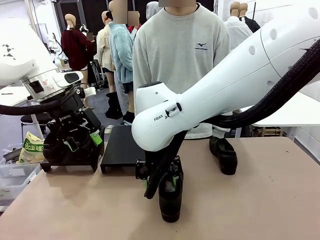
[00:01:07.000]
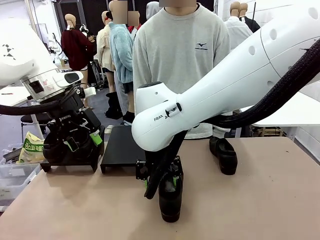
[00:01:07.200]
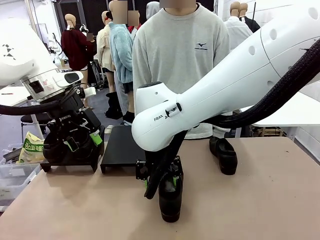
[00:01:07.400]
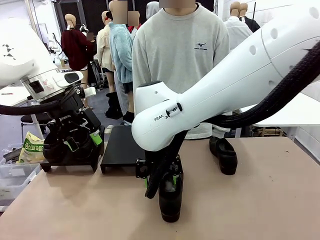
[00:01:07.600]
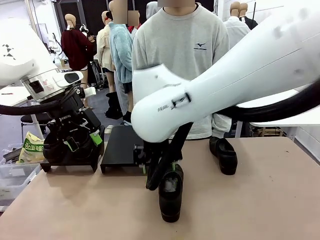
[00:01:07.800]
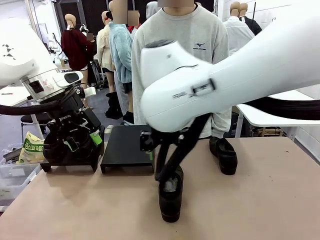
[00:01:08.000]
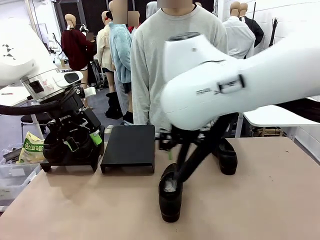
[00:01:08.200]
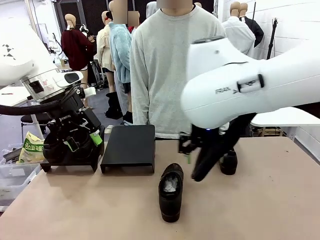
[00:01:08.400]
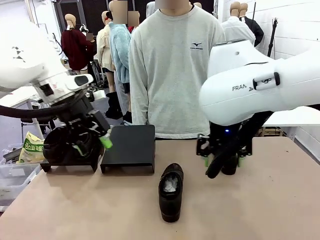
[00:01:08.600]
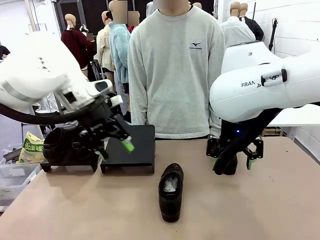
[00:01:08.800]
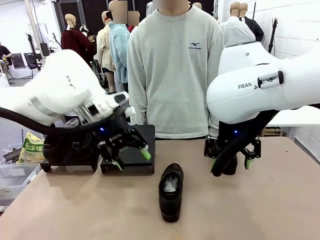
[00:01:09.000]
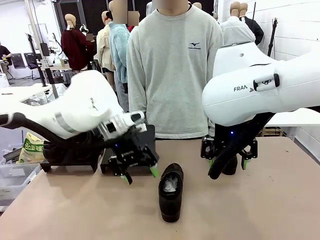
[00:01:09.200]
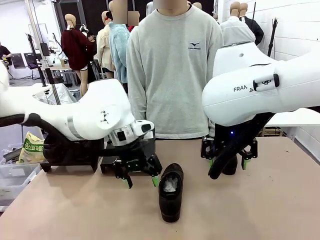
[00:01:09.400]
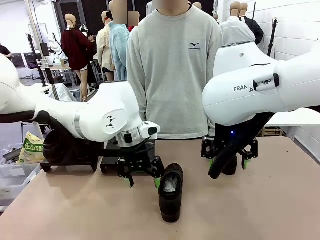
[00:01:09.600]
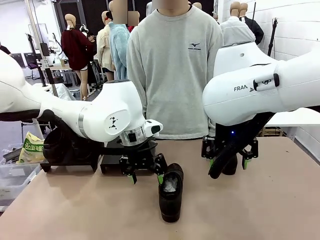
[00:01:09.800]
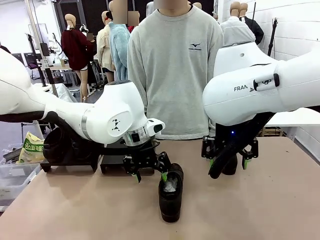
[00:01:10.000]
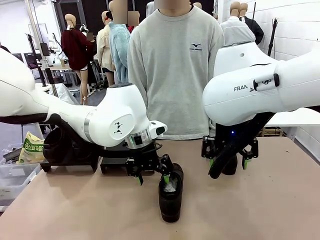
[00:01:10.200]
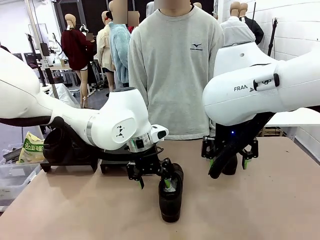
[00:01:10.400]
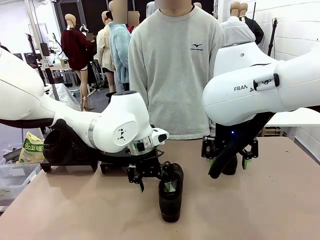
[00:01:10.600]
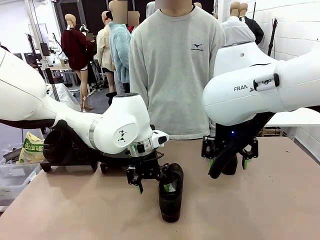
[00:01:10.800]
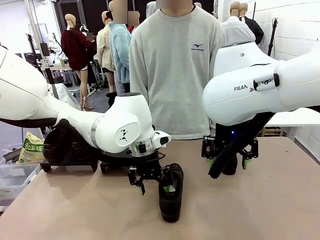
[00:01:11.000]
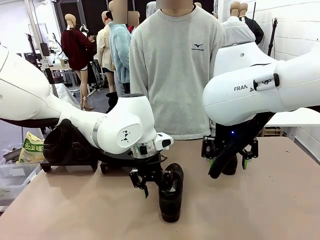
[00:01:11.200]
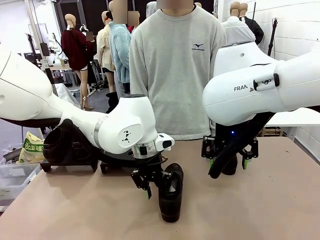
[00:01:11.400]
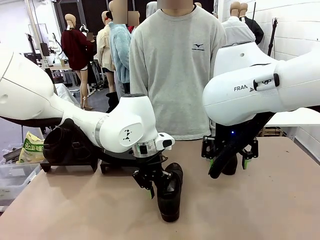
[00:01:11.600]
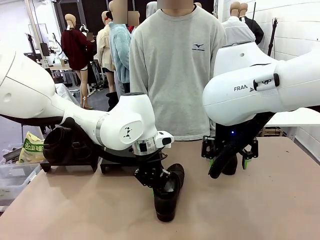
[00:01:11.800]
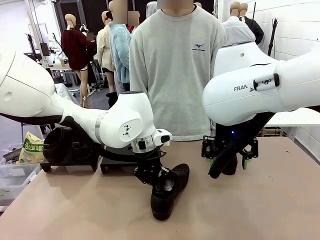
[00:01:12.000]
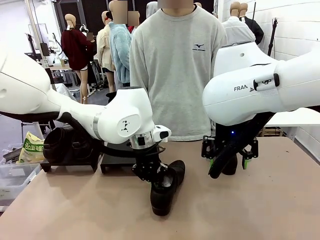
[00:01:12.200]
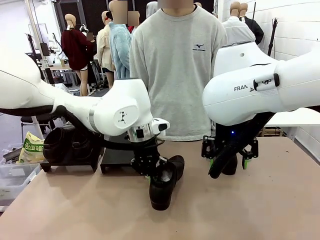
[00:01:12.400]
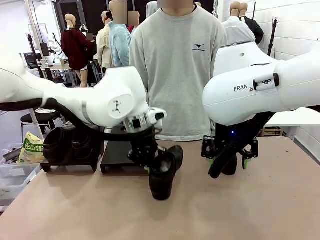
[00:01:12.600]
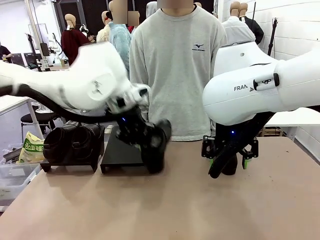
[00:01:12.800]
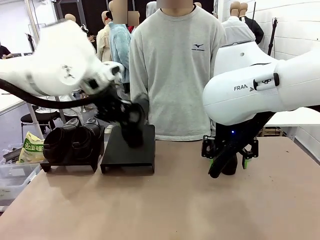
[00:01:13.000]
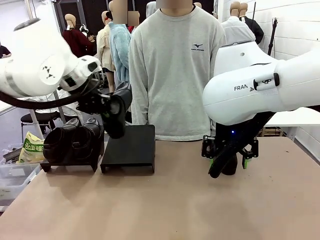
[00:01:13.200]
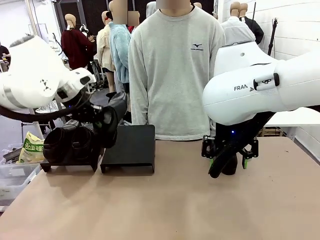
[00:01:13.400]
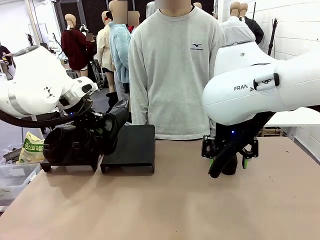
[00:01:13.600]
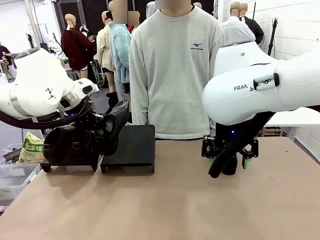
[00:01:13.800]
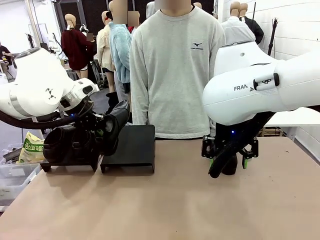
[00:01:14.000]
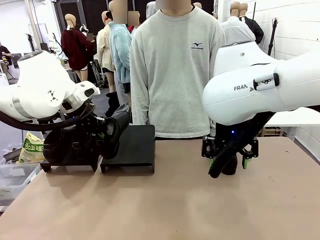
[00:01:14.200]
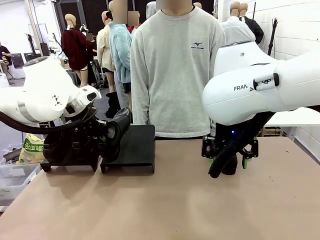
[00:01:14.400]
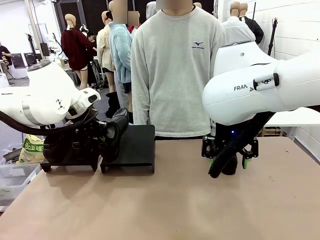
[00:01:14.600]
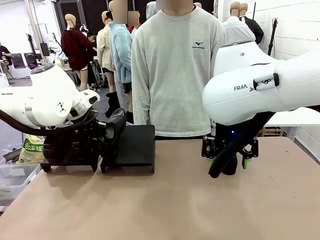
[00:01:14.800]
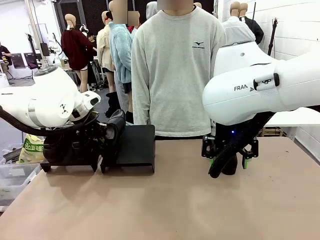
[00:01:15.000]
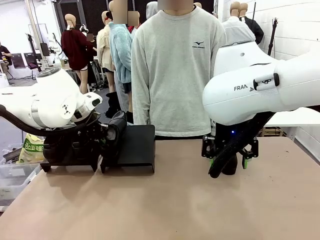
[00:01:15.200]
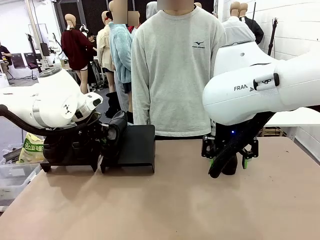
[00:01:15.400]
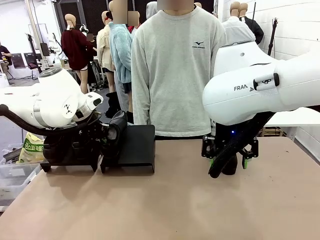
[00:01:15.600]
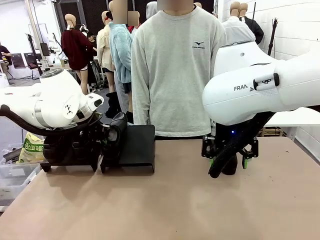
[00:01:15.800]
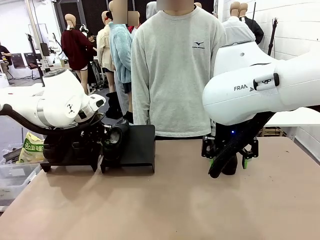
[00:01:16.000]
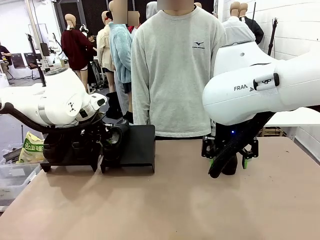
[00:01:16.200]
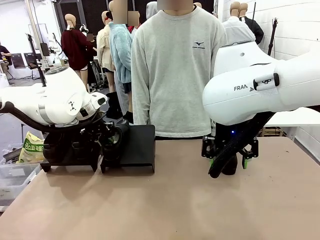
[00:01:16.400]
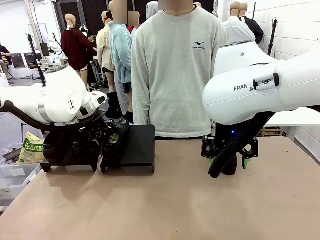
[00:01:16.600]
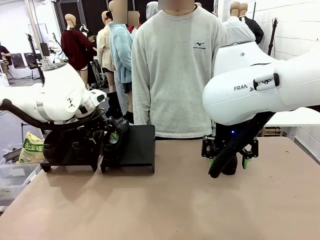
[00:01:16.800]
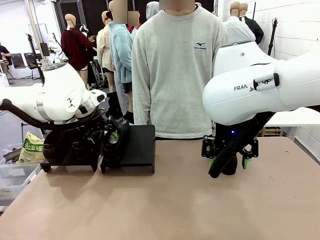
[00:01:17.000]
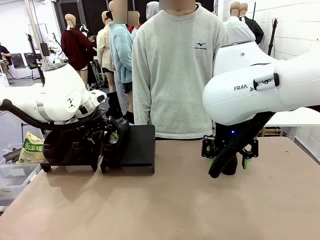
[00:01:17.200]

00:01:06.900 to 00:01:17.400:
Task: Organize the shoes by placing them on the stand.
Robot: Place the Shoe from the middle of the table onto the Shoes Stand.

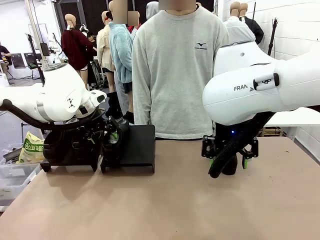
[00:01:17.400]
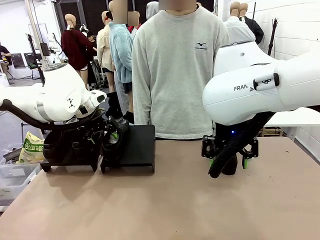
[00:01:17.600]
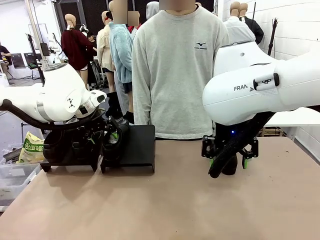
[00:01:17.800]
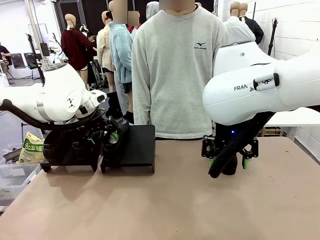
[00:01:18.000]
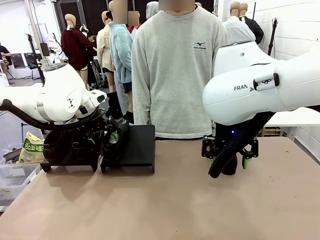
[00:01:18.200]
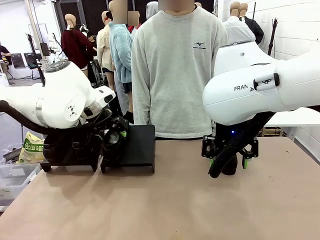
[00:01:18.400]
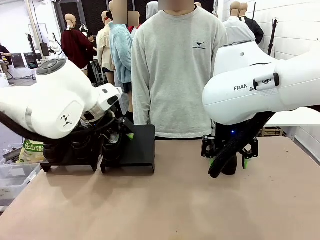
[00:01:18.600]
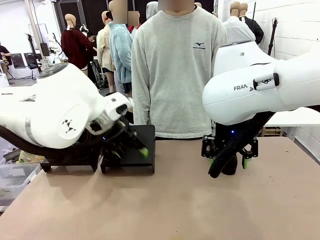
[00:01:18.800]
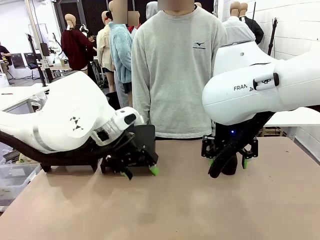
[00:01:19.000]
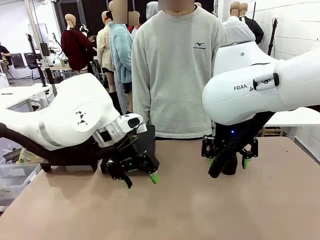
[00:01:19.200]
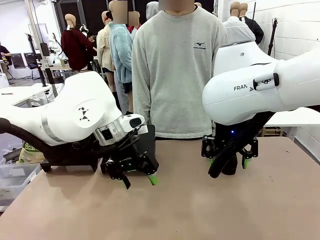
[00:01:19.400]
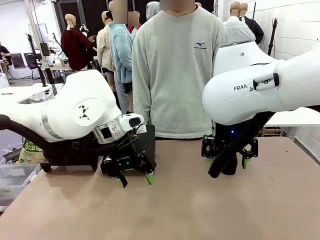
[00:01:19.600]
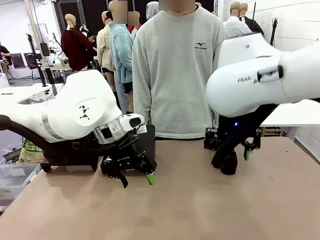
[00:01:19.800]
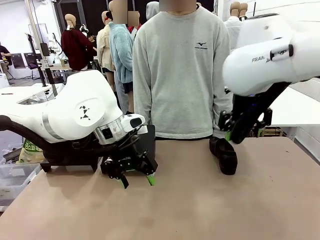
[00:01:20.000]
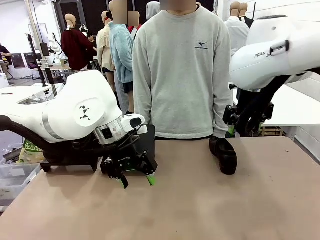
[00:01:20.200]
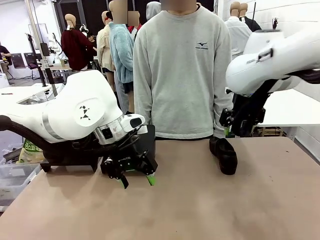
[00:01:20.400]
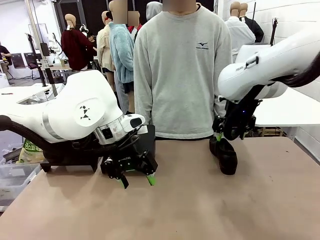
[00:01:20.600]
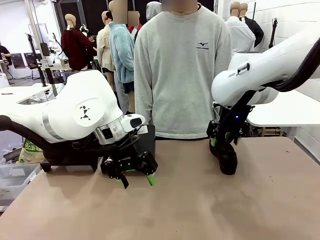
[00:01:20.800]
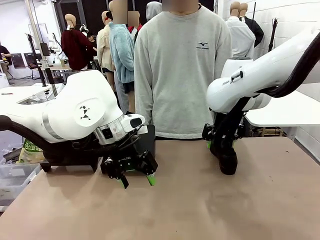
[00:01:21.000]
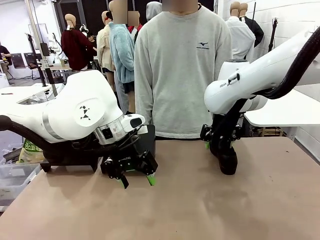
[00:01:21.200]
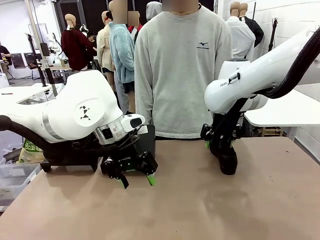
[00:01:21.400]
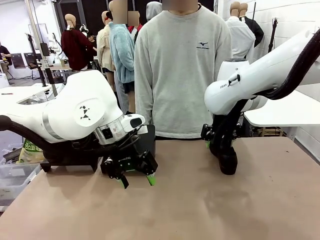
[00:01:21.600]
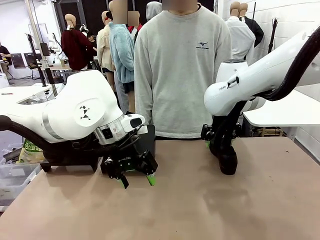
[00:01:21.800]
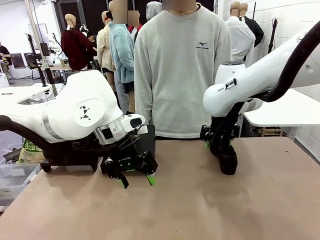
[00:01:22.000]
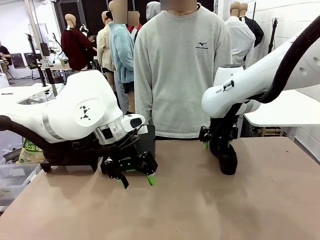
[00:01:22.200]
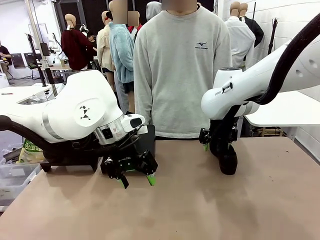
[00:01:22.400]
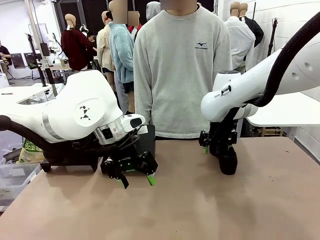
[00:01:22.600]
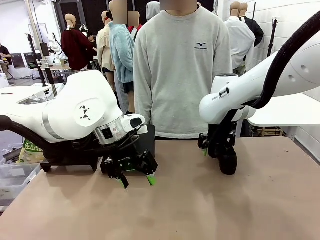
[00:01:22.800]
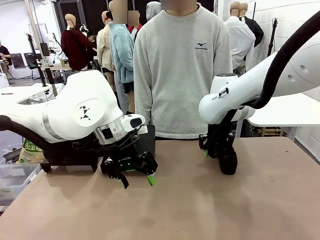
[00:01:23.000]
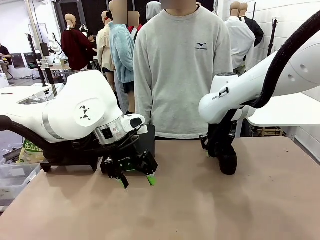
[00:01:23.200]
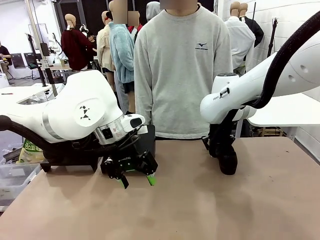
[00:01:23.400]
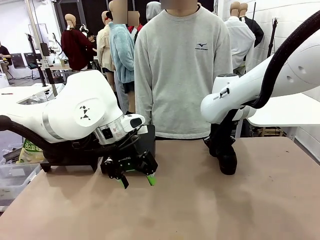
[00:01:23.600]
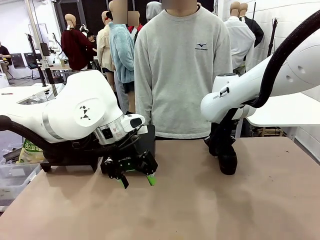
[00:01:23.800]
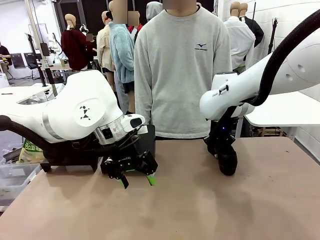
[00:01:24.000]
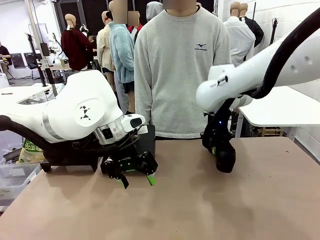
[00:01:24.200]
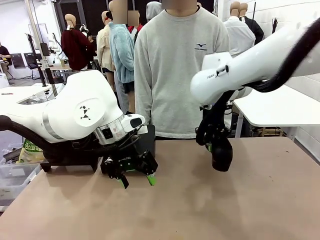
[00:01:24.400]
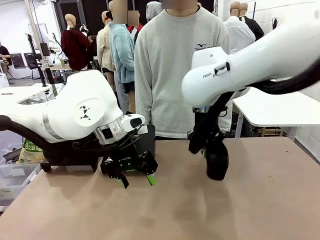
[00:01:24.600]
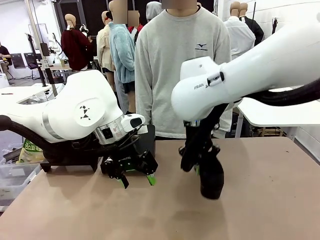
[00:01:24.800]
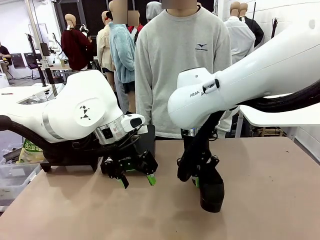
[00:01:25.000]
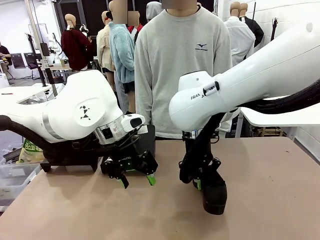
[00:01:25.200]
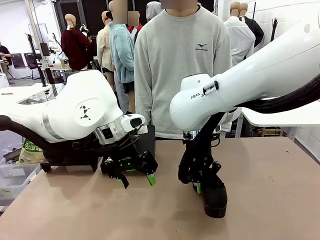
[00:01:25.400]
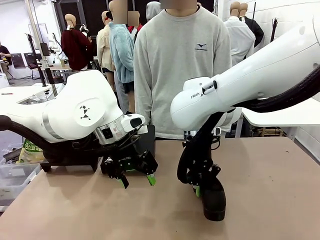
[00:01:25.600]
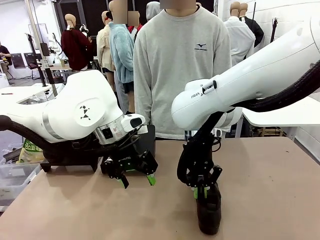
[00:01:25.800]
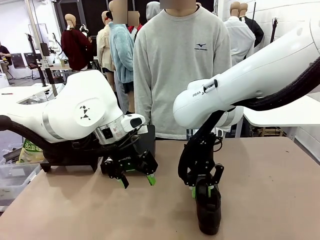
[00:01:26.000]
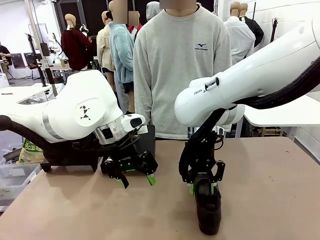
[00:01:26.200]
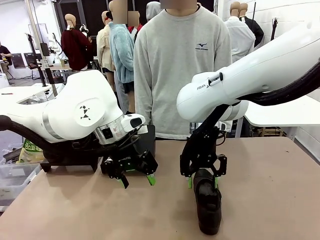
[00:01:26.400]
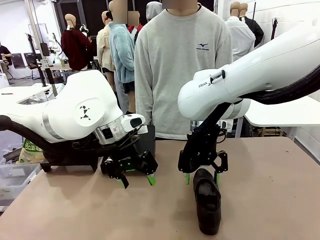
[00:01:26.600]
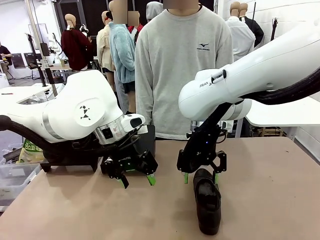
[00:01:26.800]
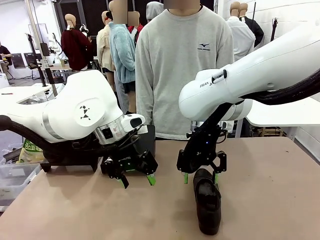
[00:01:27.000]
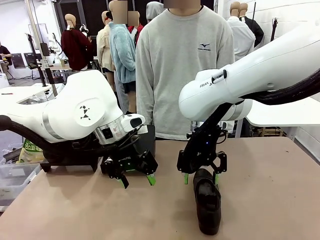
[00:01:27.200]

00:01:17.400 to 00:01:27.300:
Robot: Pick up one Shoe and place it in the middle of the table.
